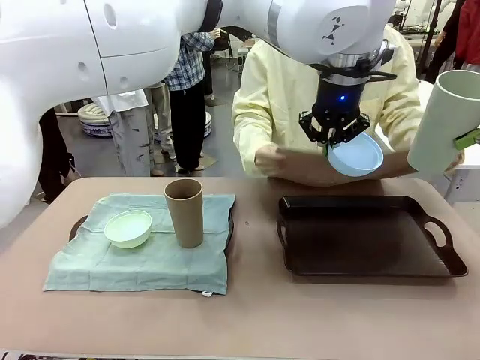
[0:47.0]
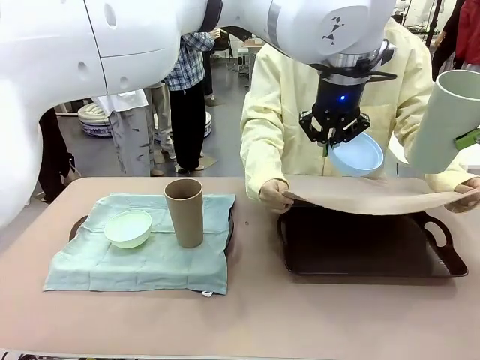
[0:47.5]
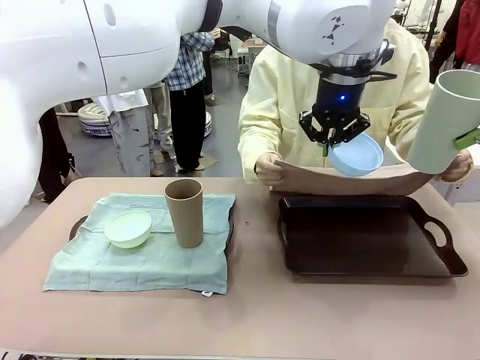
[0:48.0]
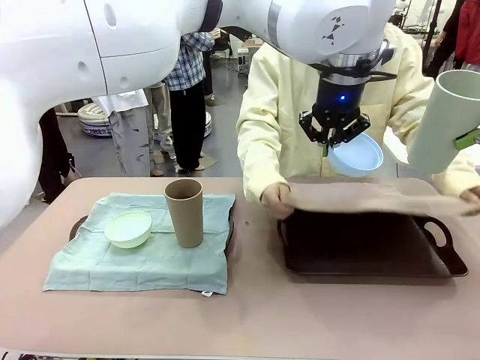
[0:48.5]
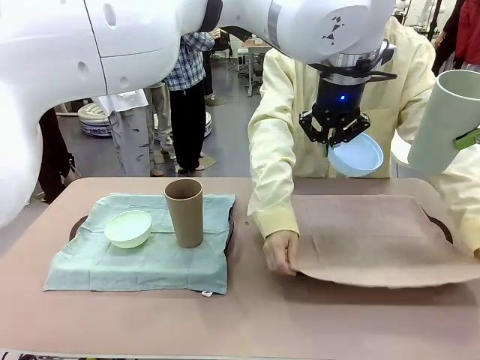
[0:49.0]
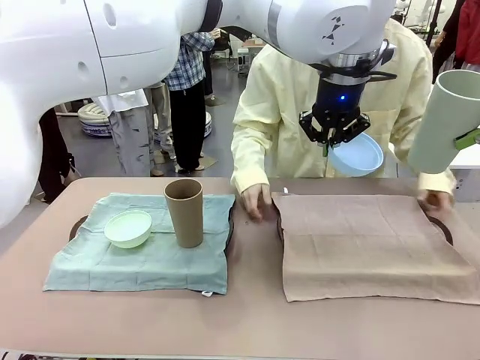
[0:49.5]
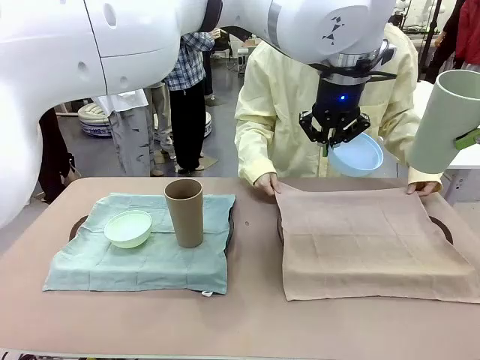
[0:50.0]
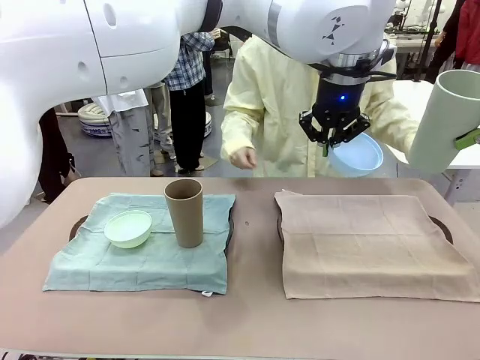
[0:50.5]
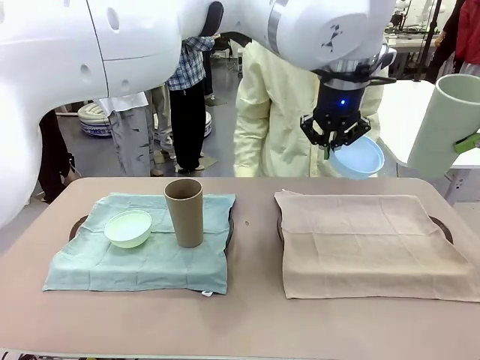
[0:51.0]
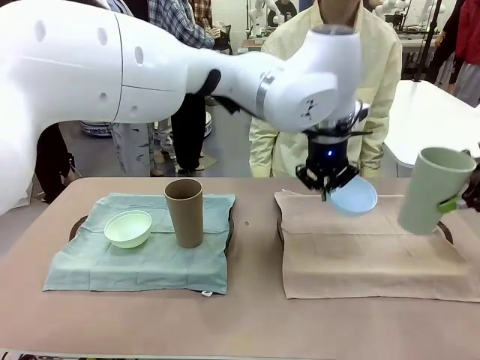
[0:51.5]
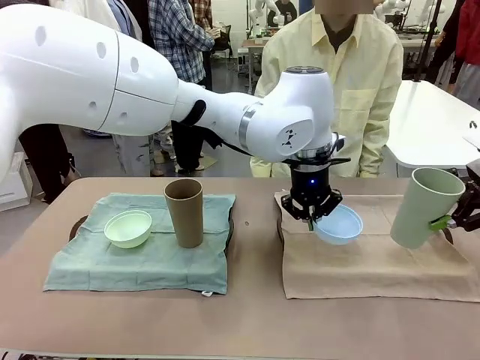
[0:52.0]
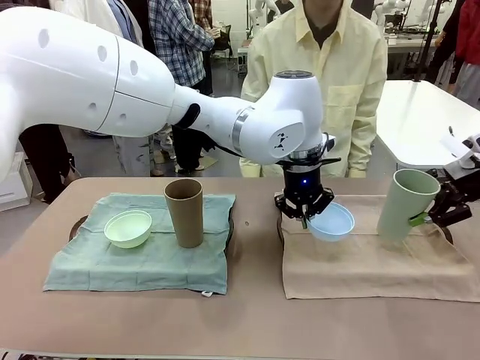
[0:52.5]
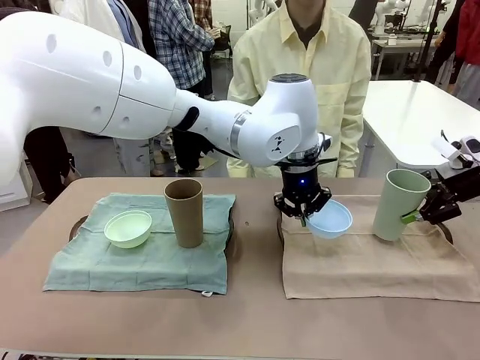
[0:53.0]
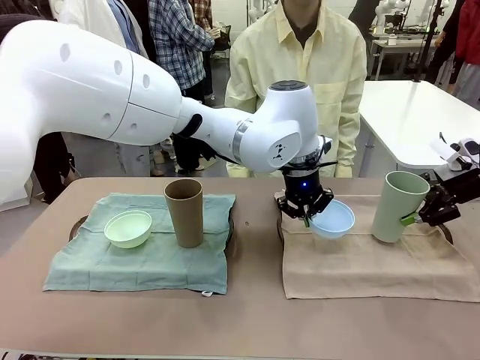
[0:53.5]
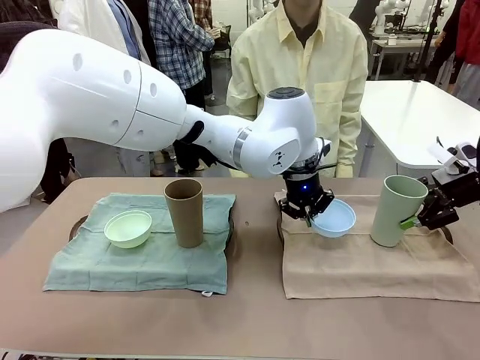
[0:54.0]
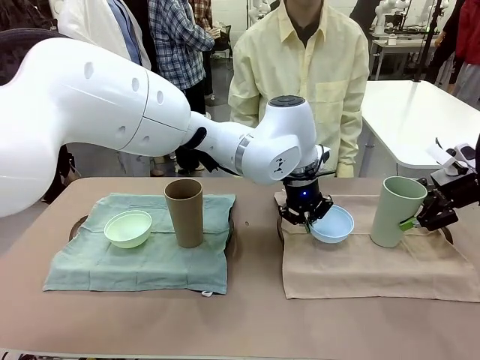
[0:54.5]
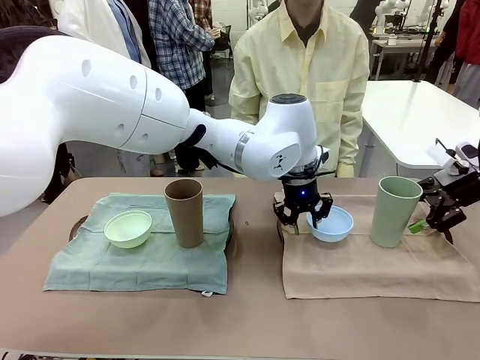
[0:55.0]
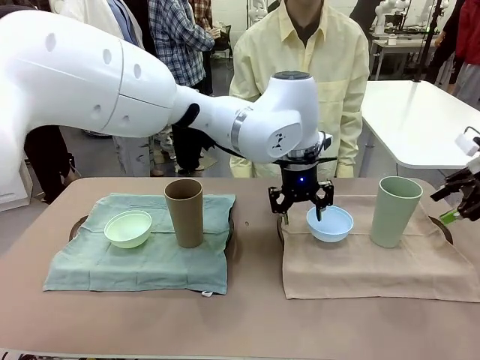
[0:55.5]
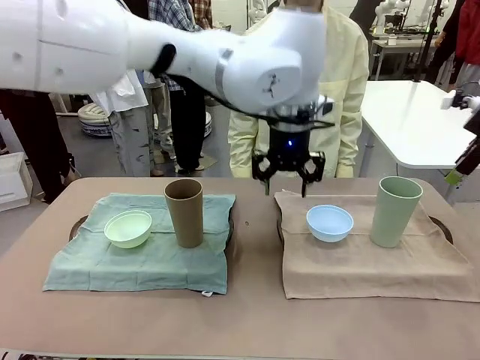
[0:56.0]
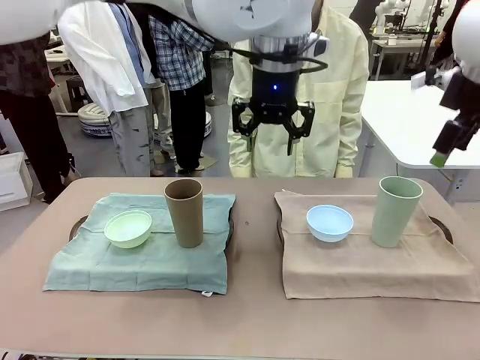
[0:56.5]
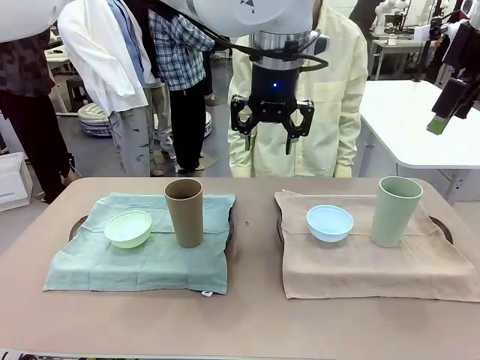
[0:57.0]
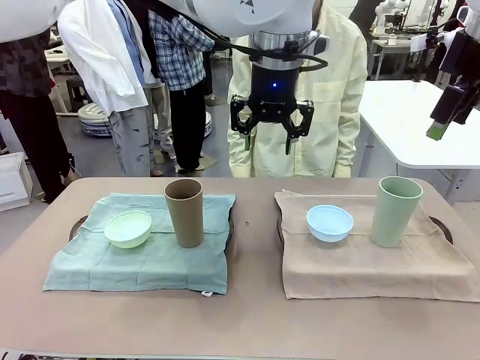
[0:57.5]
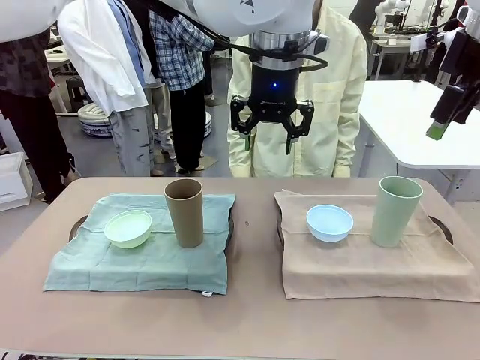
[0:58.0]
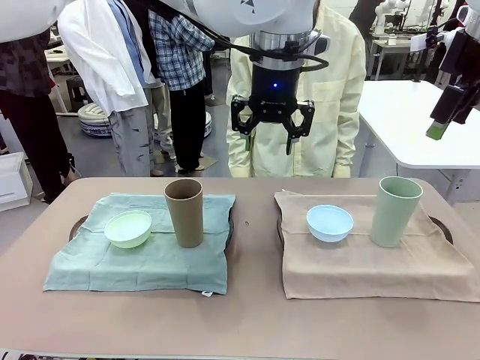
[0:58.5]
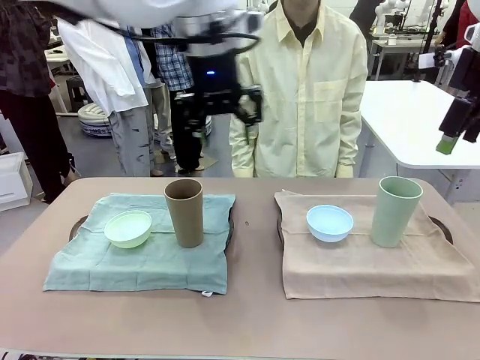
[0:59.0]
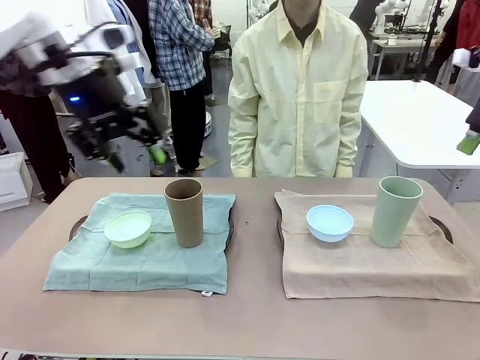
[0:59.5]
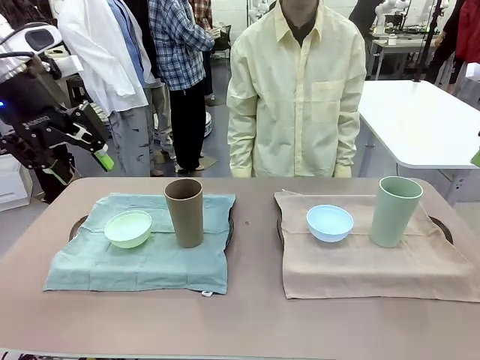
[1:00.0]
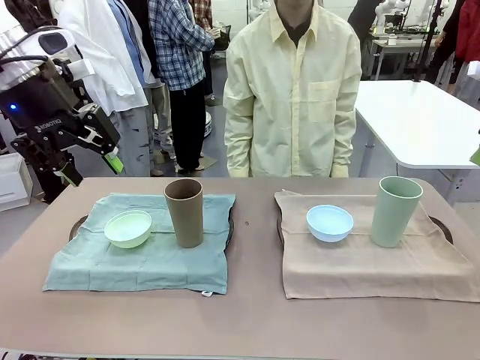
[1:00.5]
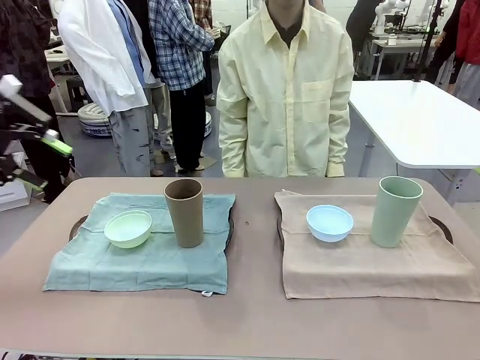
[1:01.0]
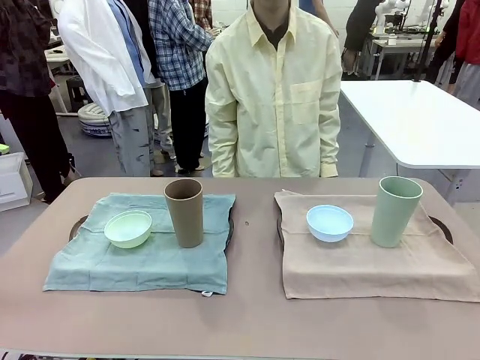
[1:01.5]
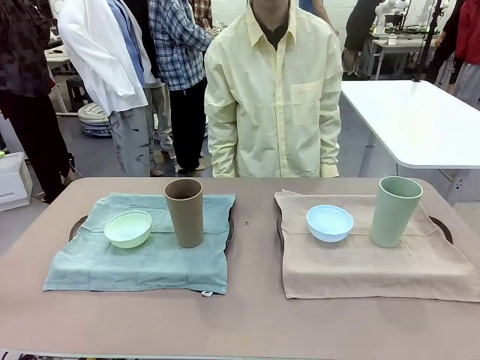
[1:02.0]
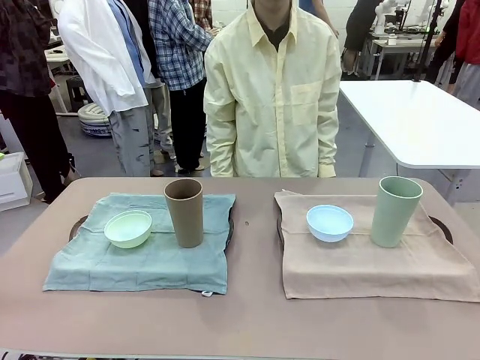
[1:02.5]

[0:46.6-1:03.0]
Robot: Place the Picnic Bowl and Reusable plastic cup back onto the Handle tray in front of the human's position.
Person: When the robot lifts the bowl and the cup, the human unfolds the napkin and lays the napkin flat on the tray.

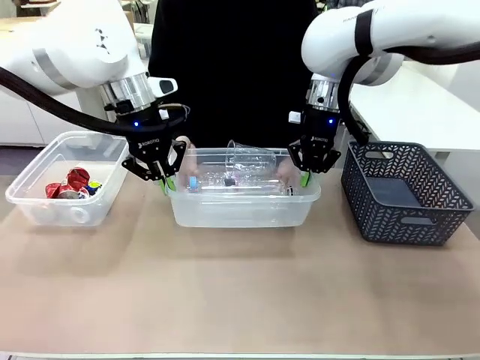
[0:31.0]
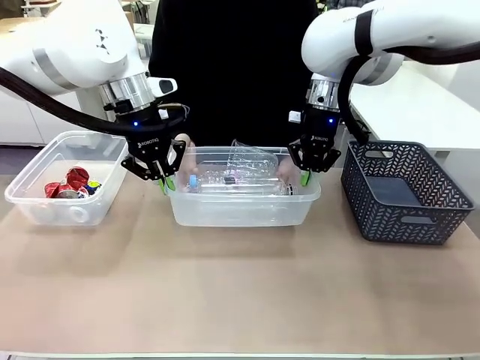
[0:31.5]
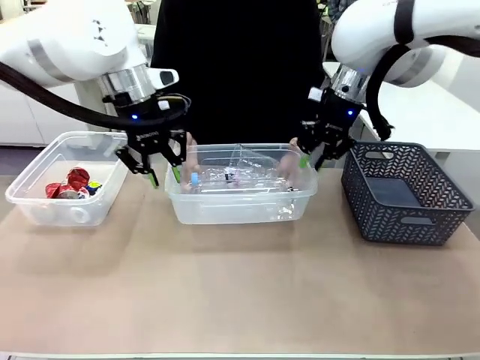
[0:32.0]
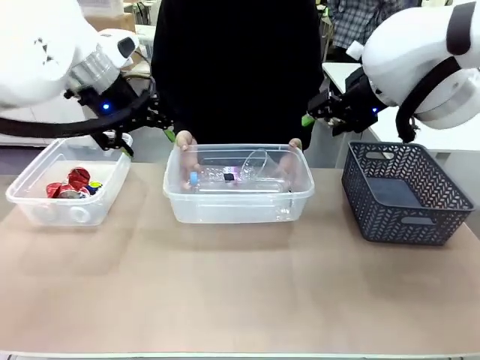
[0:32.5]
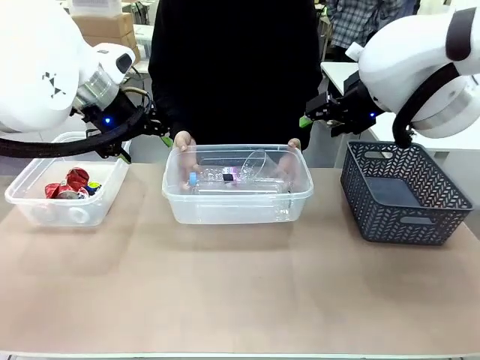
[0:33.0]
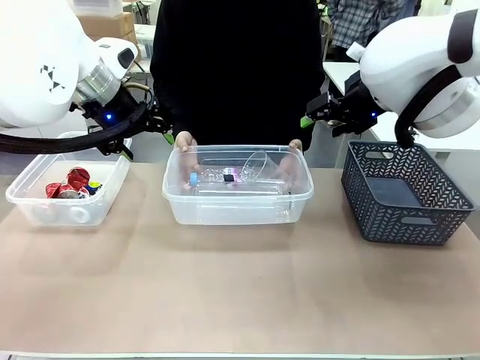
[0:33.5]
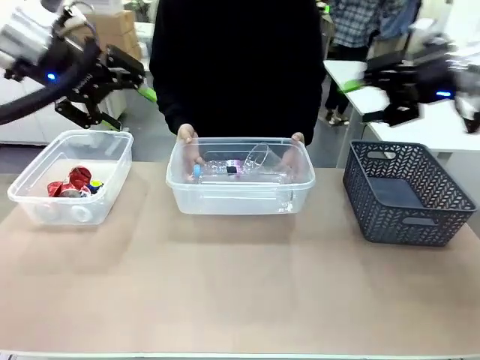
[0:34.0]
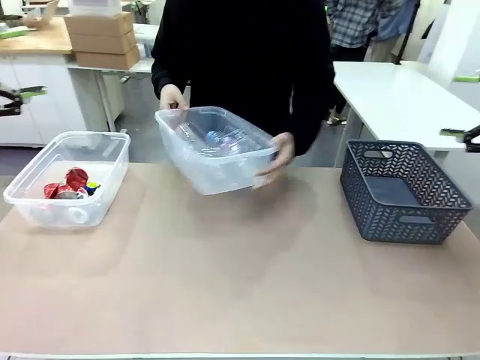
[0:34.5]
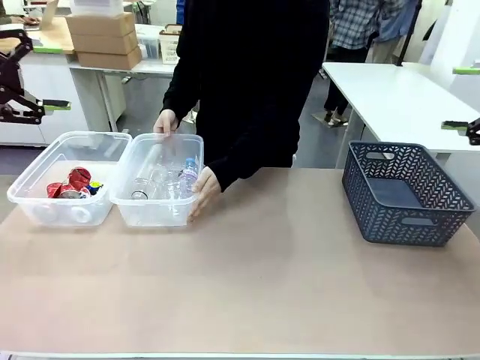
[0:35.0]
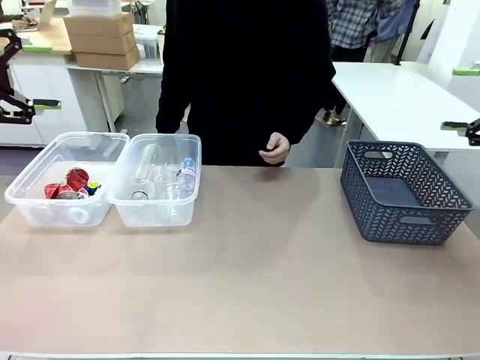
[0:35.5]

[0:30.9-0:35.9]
Robot: Release the Organizing box you were holding.
Person: Pick up the organizing box extended by the robot. Place the organizing box to the left of the sorting box containing the can waste.
